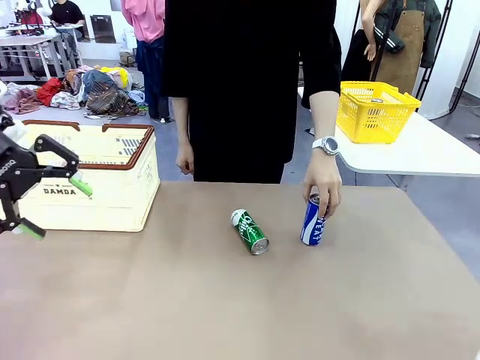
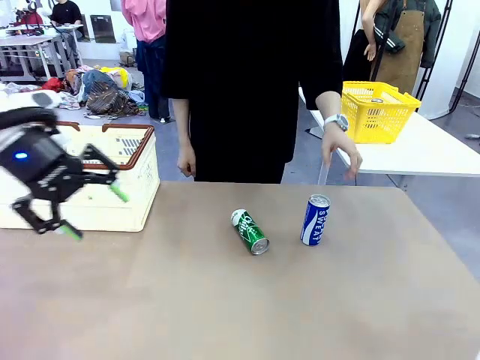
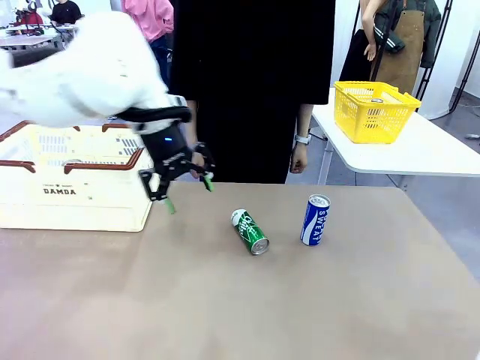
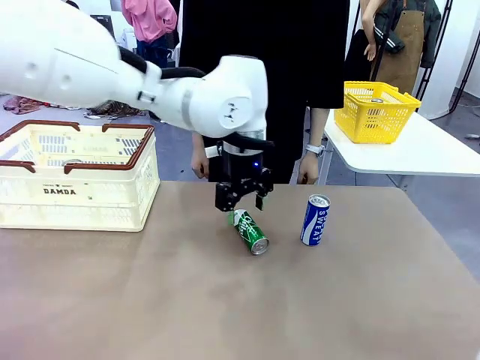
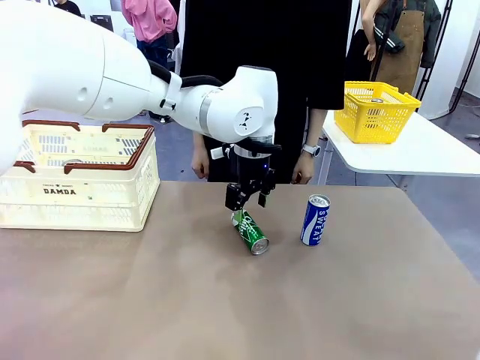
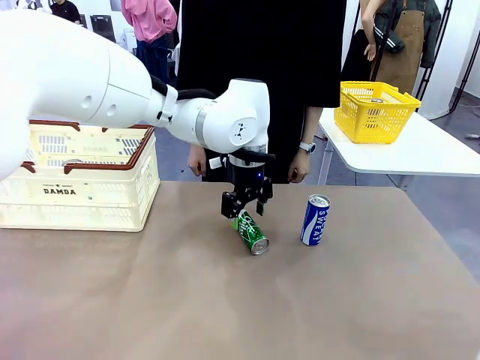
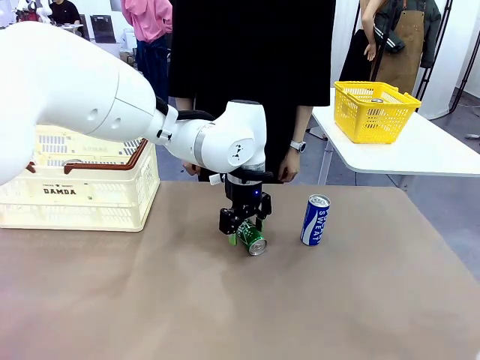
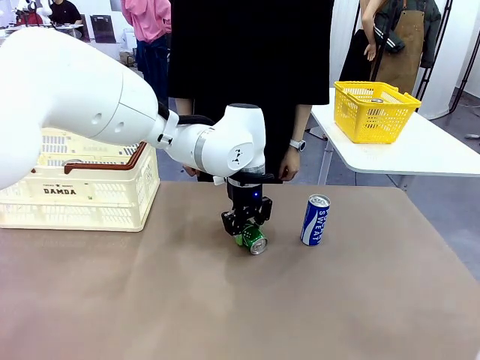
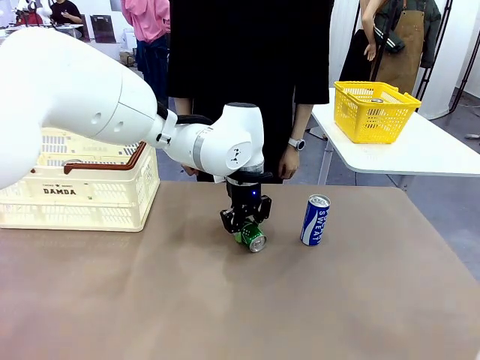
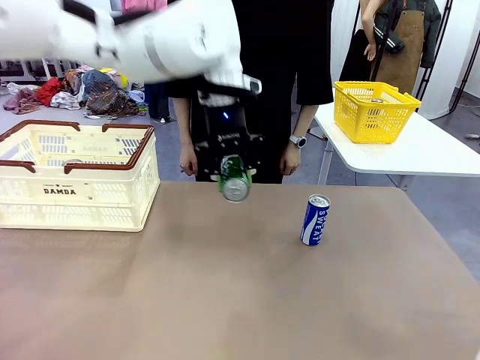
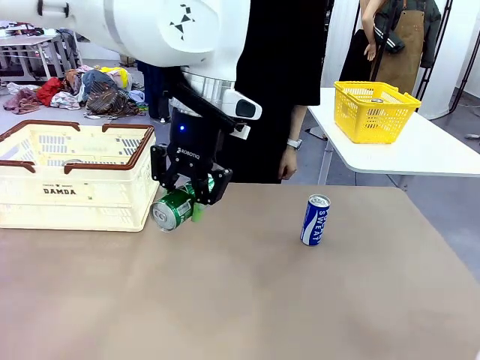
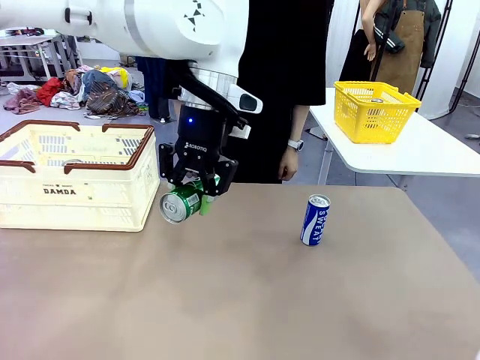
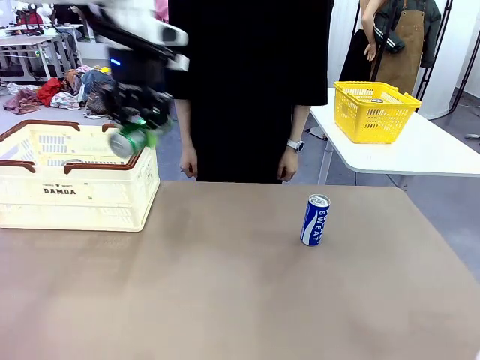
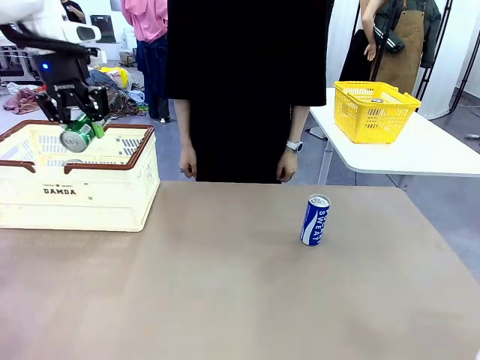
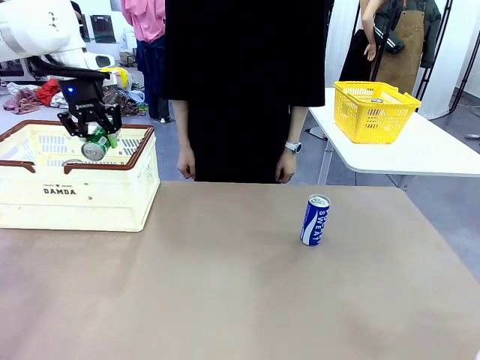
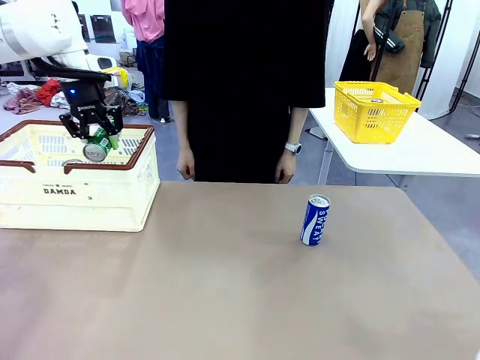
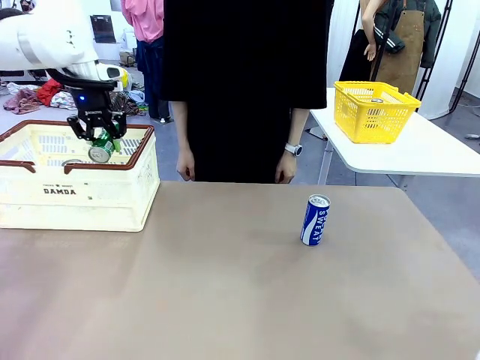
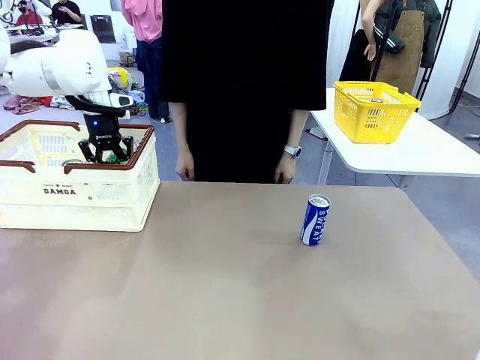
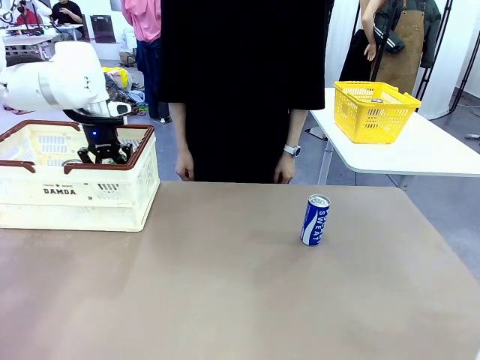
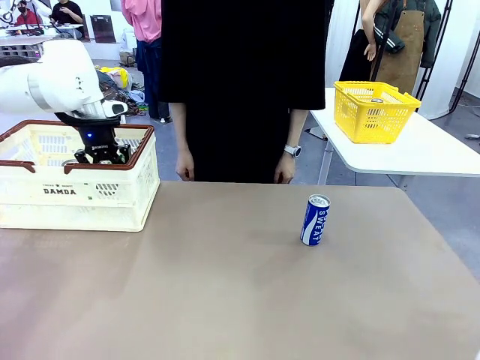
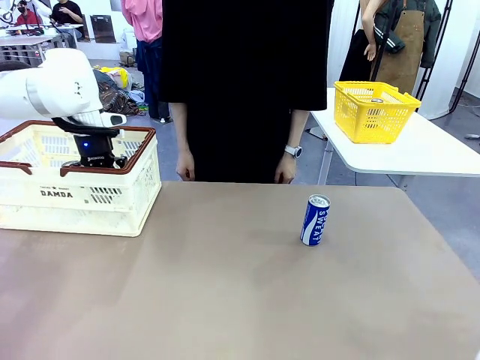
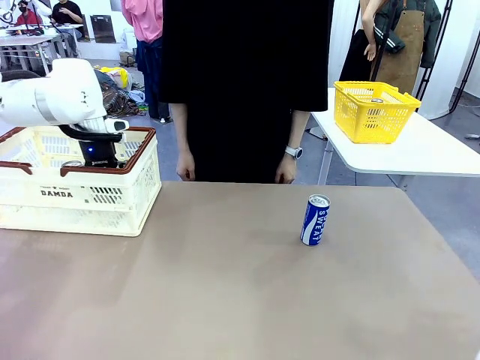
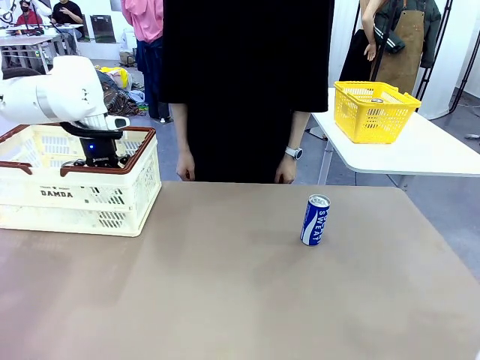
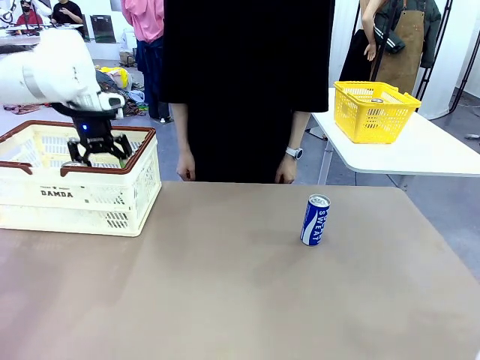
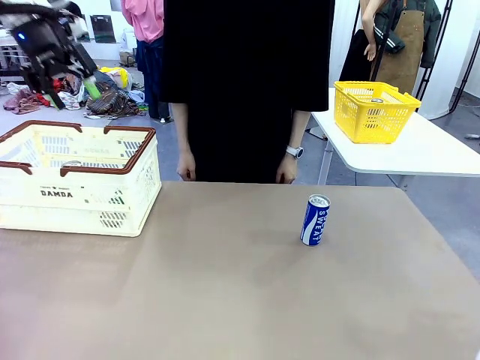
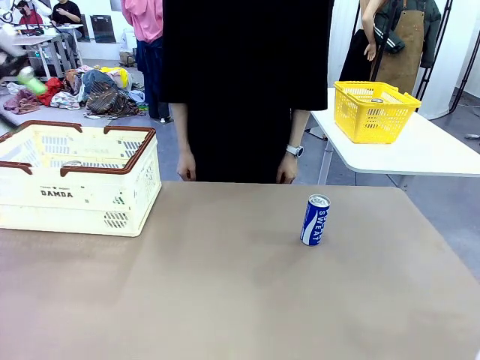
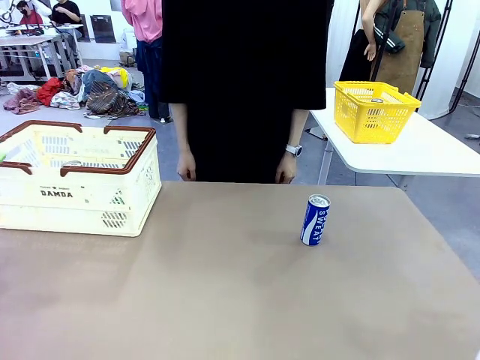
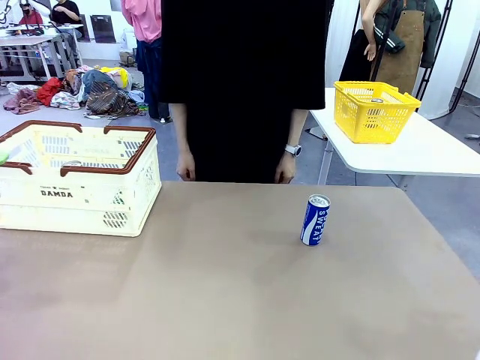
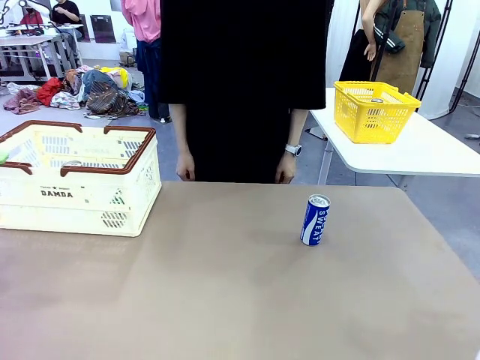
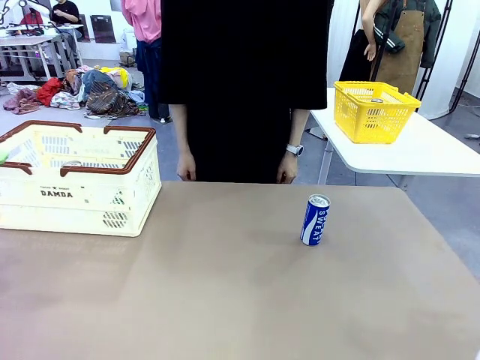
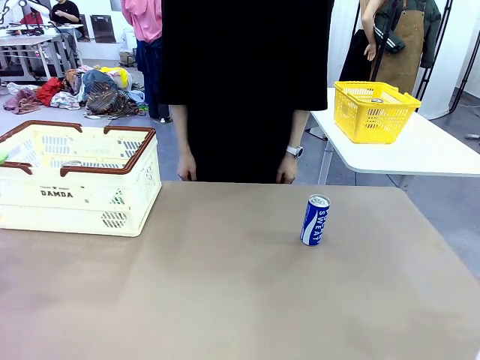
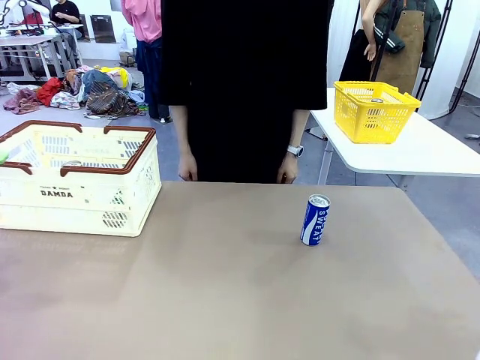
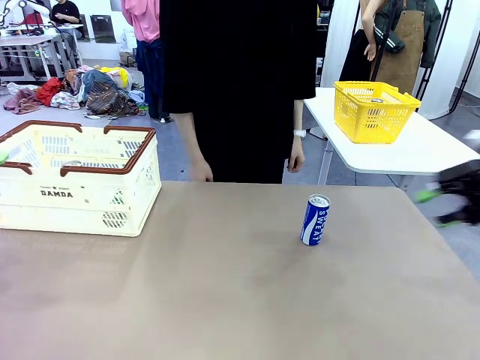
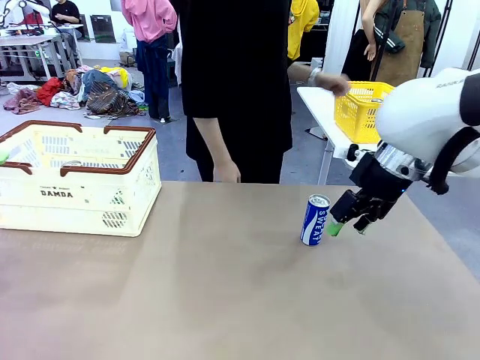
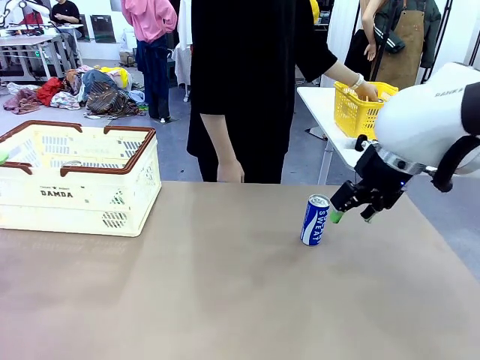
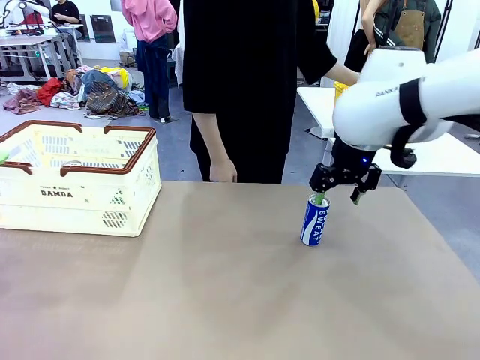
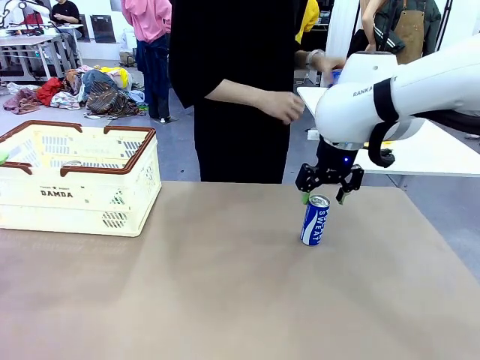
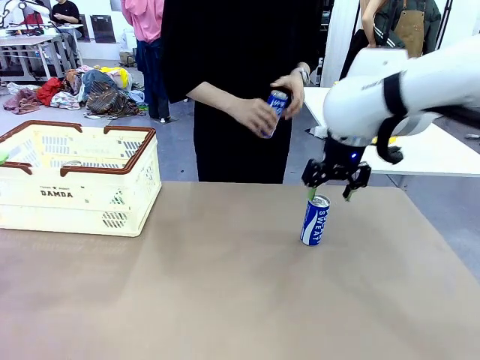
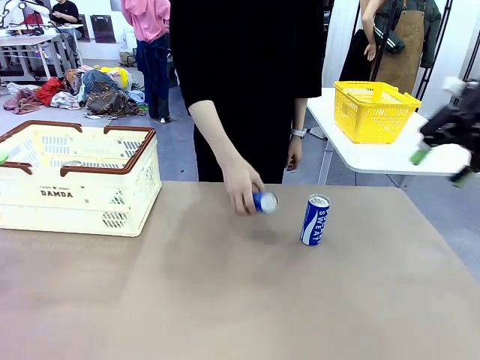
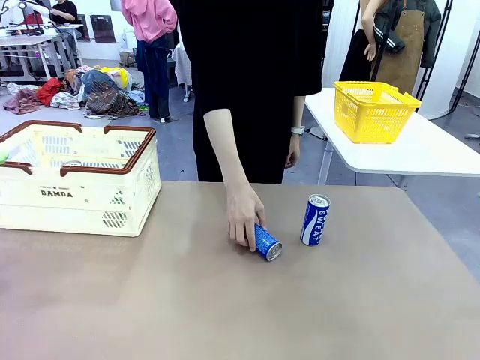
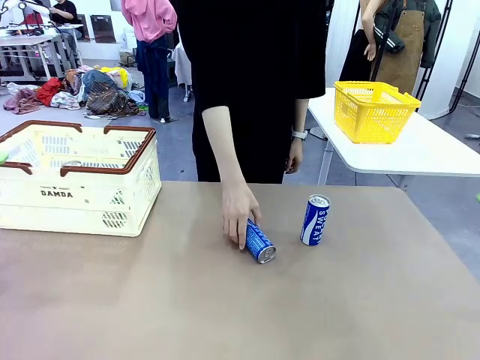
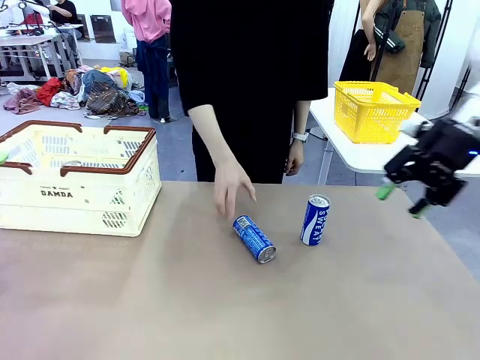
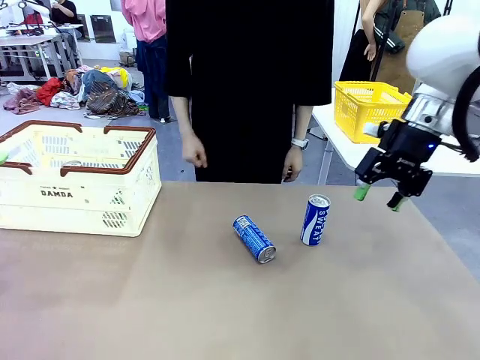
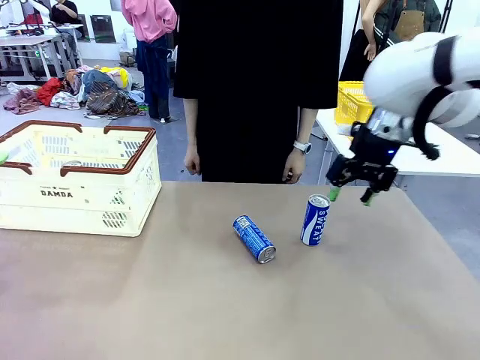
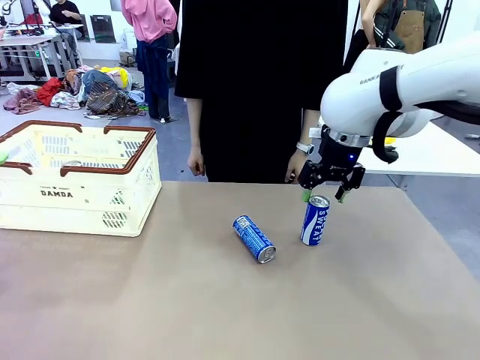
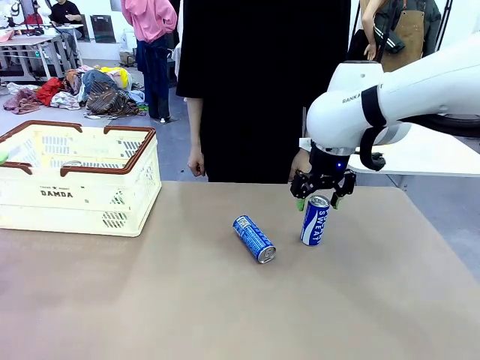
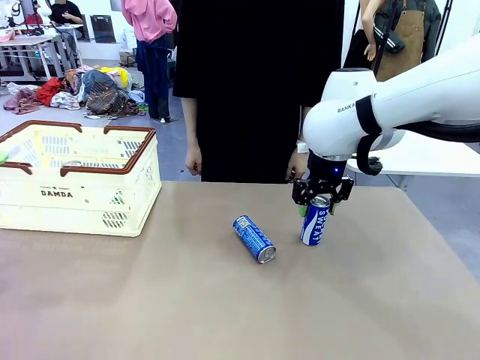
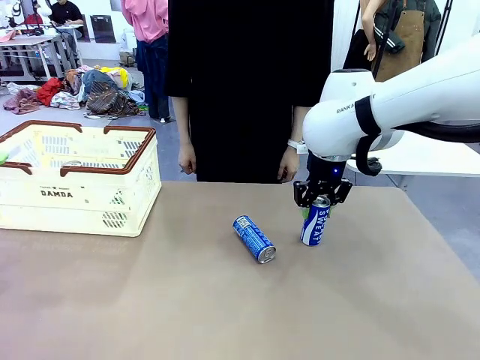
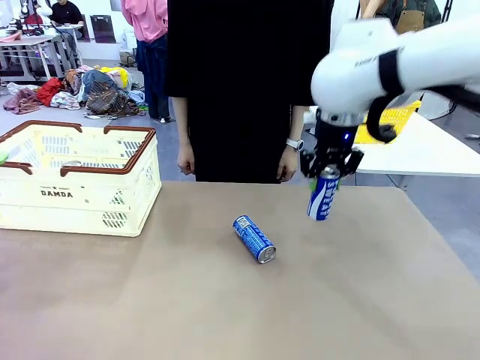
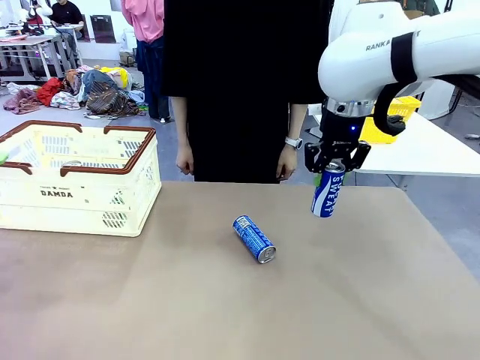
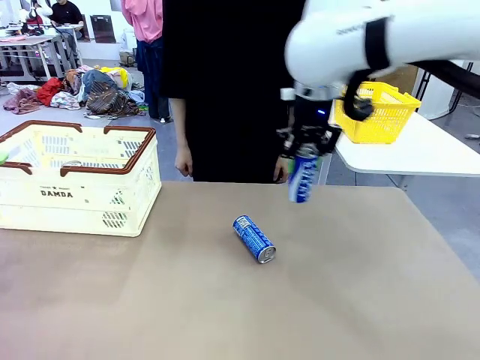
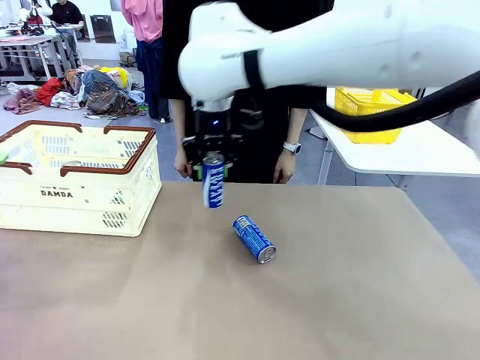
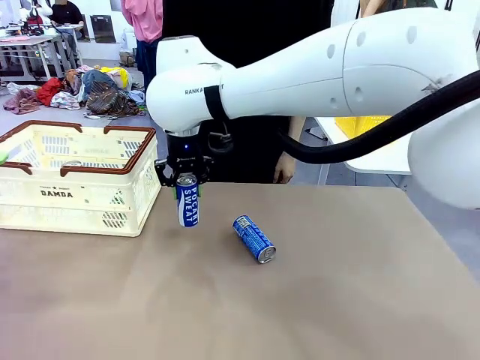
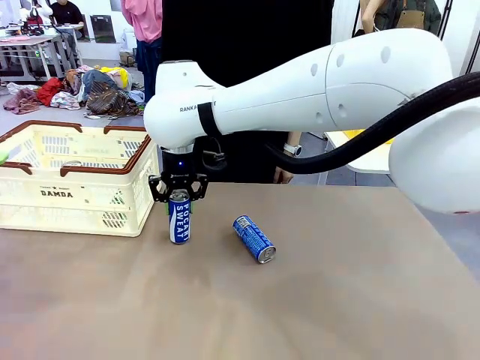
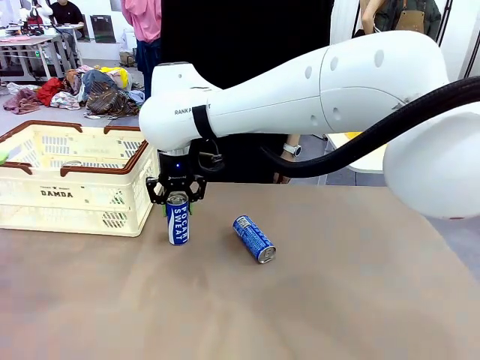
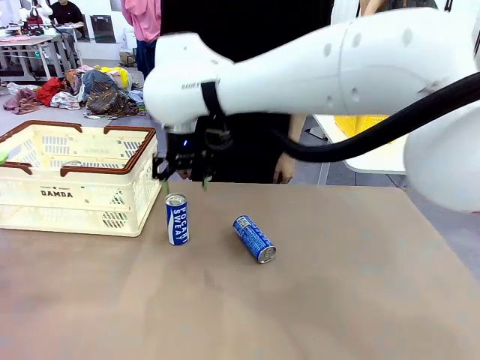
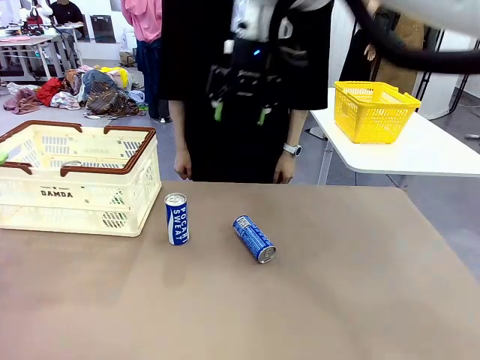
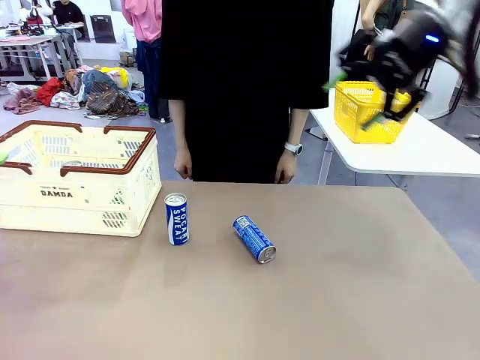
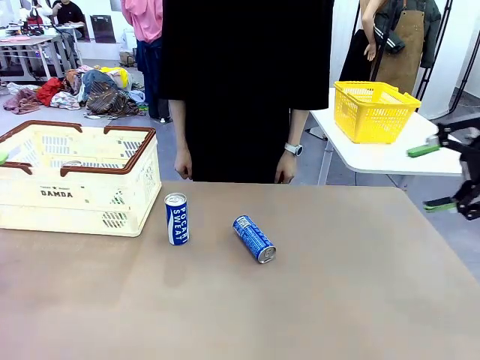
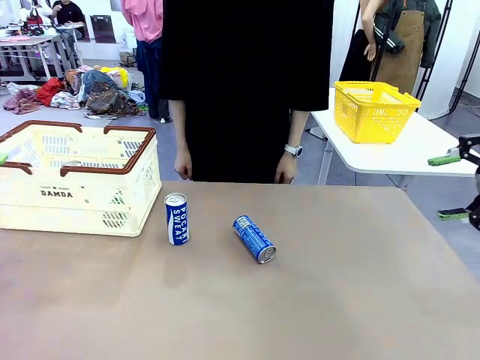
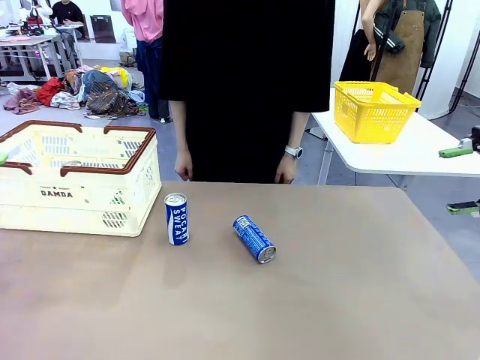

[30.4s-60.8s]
Task: Place the drinks into the Shopping basket.
Robot: Pick up one drink and place it into the Shopping basket.
